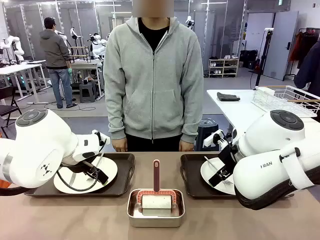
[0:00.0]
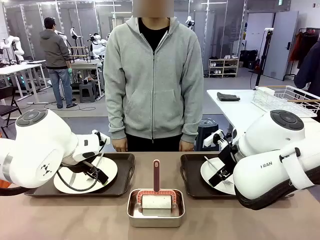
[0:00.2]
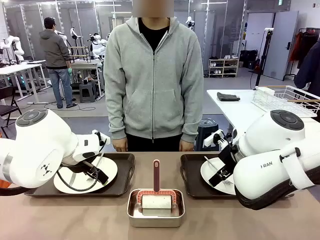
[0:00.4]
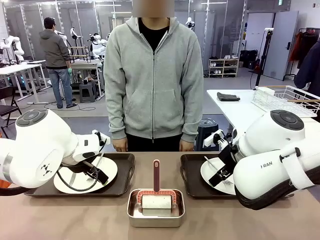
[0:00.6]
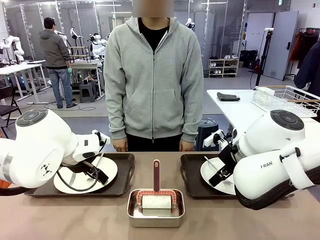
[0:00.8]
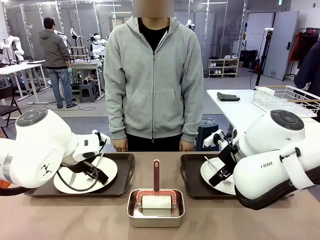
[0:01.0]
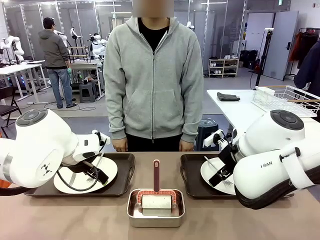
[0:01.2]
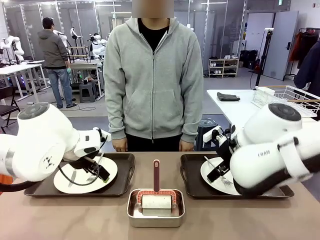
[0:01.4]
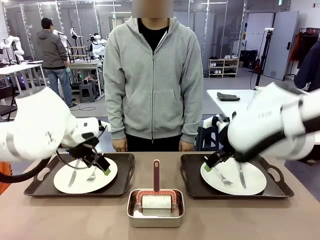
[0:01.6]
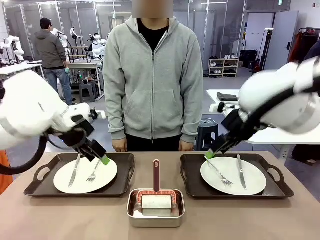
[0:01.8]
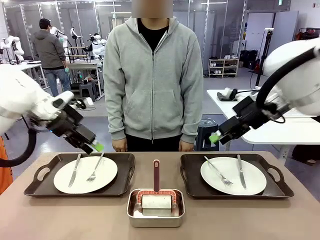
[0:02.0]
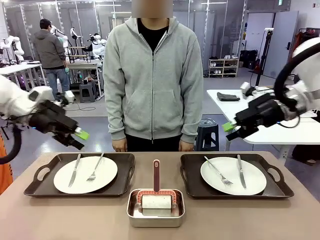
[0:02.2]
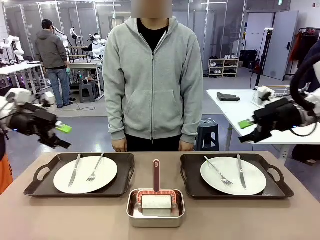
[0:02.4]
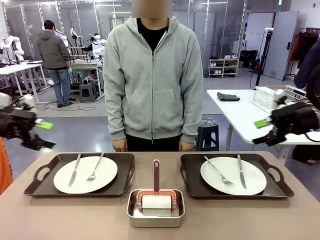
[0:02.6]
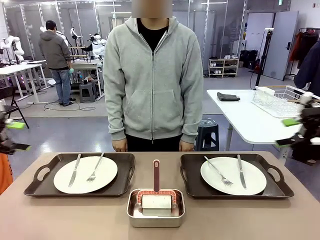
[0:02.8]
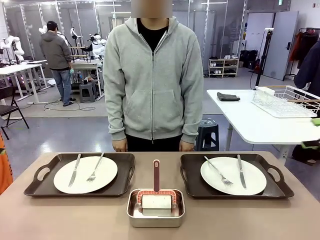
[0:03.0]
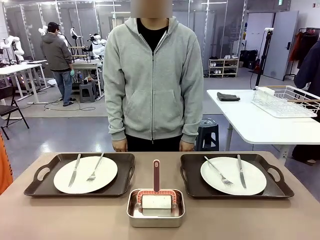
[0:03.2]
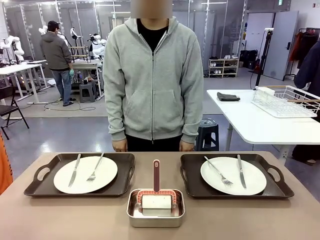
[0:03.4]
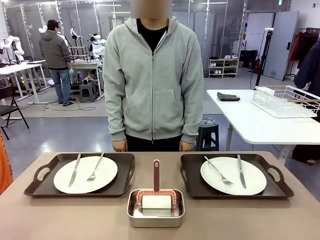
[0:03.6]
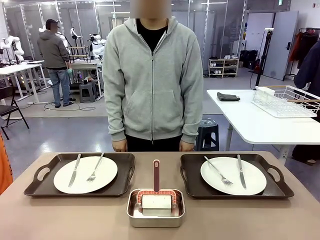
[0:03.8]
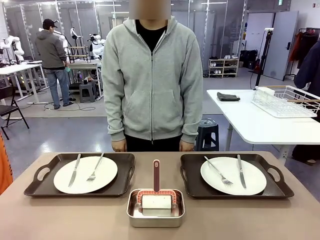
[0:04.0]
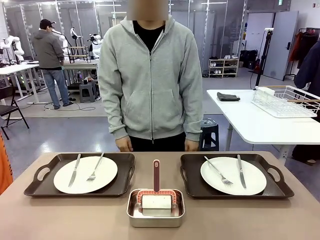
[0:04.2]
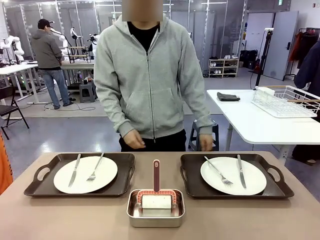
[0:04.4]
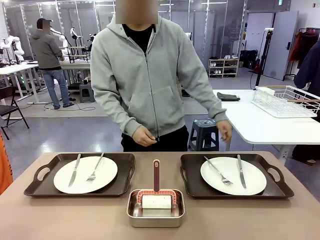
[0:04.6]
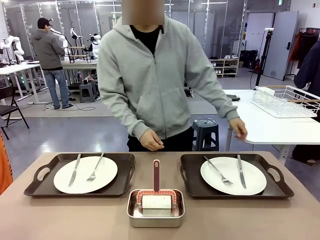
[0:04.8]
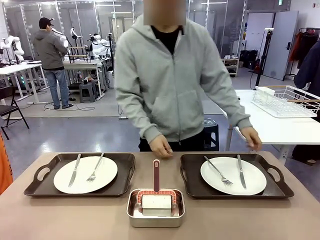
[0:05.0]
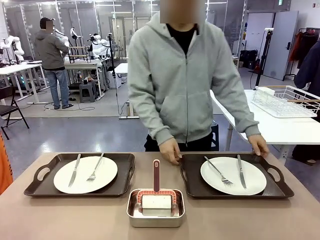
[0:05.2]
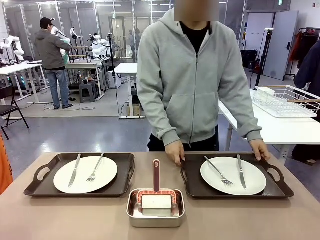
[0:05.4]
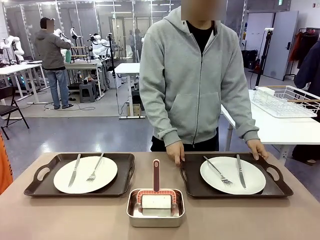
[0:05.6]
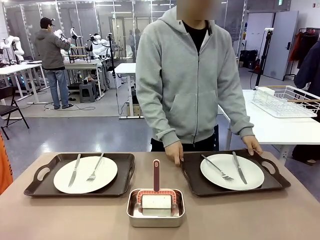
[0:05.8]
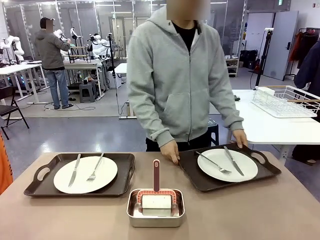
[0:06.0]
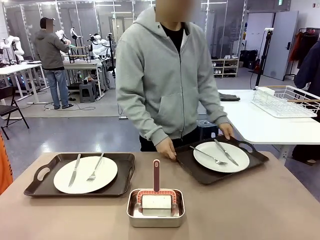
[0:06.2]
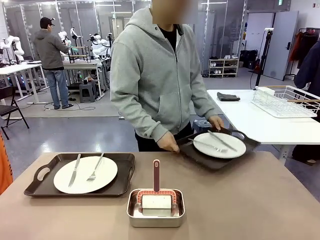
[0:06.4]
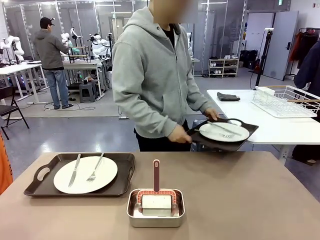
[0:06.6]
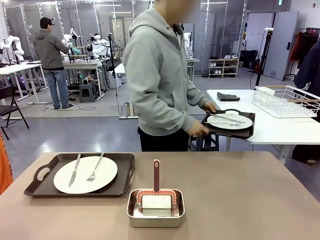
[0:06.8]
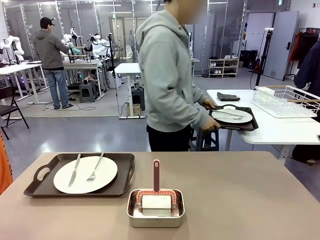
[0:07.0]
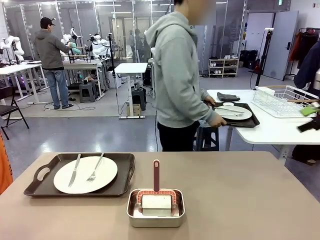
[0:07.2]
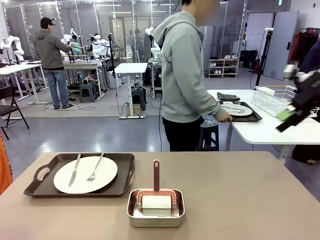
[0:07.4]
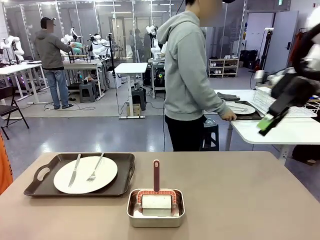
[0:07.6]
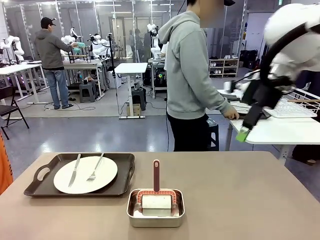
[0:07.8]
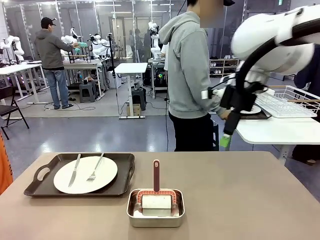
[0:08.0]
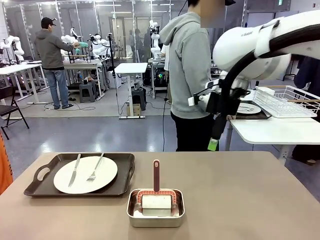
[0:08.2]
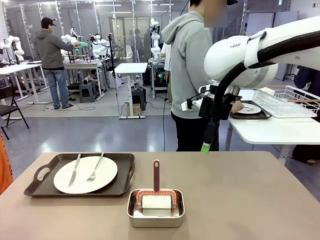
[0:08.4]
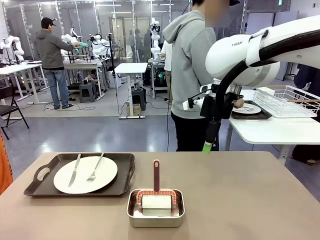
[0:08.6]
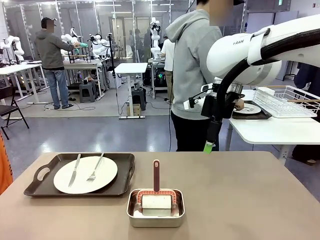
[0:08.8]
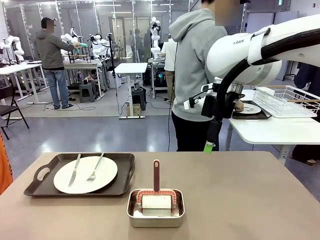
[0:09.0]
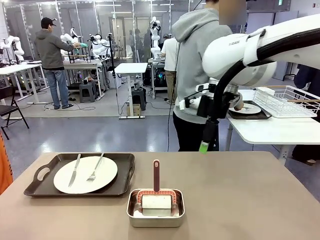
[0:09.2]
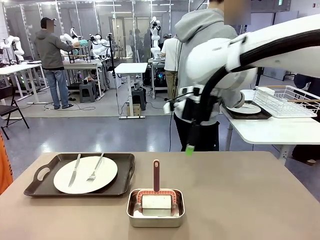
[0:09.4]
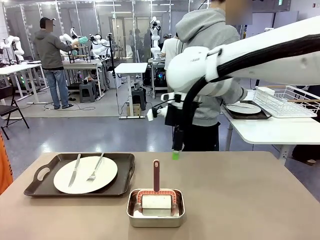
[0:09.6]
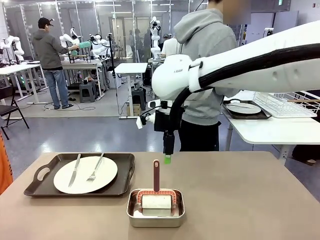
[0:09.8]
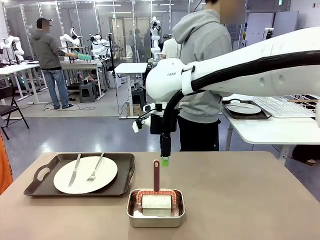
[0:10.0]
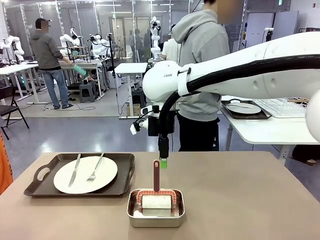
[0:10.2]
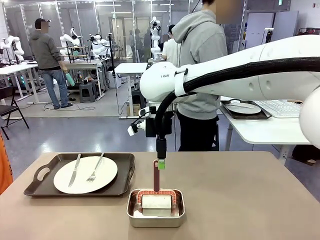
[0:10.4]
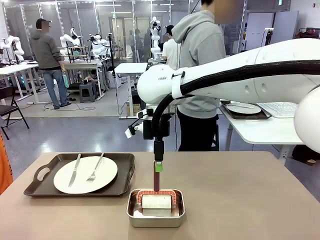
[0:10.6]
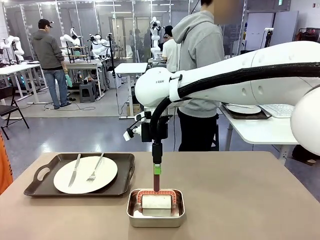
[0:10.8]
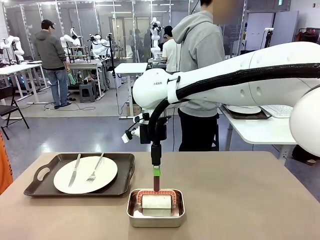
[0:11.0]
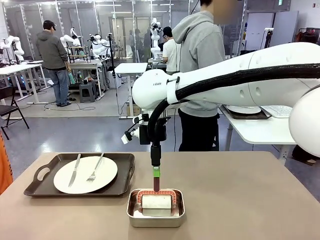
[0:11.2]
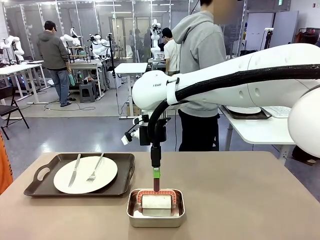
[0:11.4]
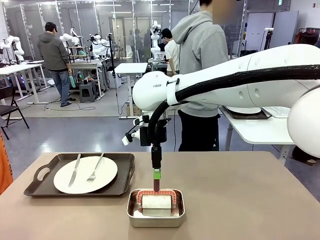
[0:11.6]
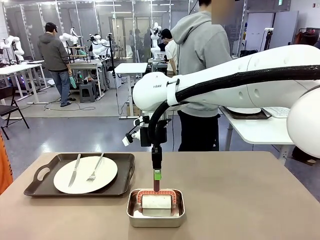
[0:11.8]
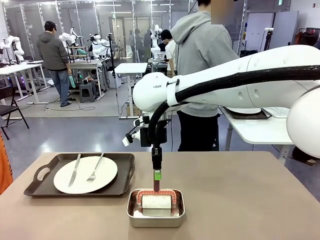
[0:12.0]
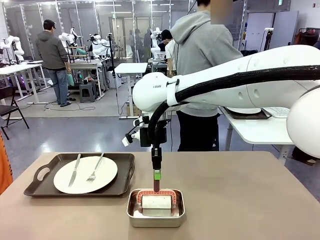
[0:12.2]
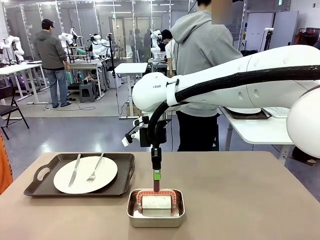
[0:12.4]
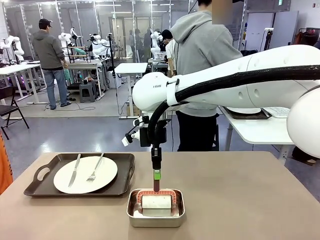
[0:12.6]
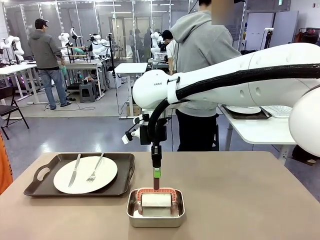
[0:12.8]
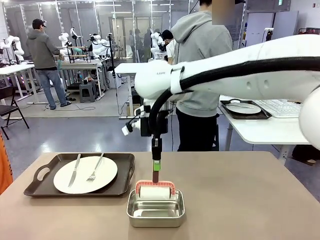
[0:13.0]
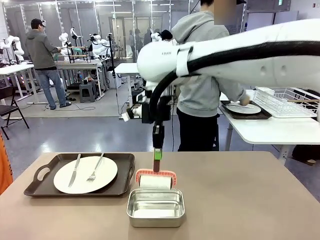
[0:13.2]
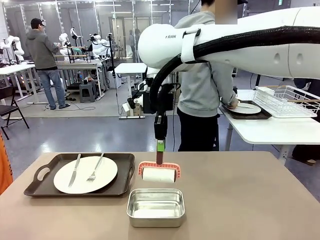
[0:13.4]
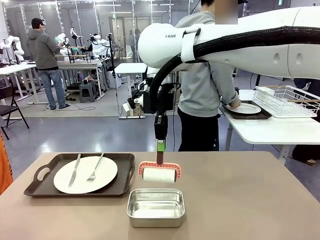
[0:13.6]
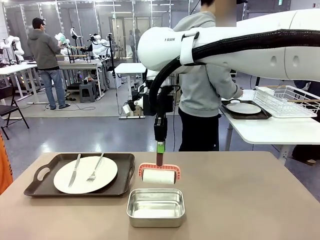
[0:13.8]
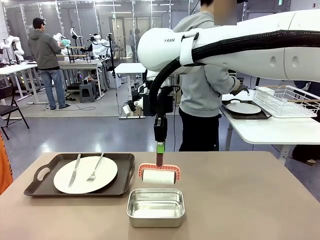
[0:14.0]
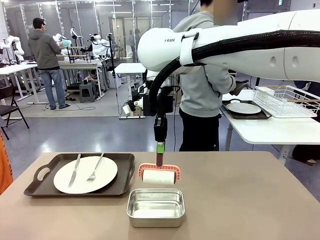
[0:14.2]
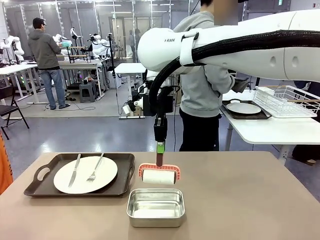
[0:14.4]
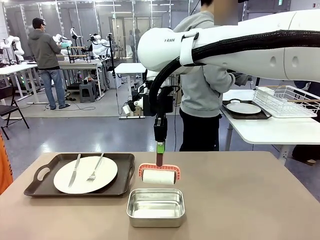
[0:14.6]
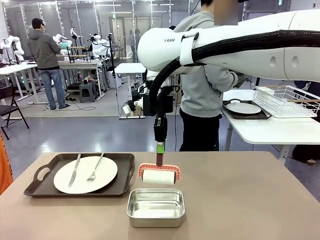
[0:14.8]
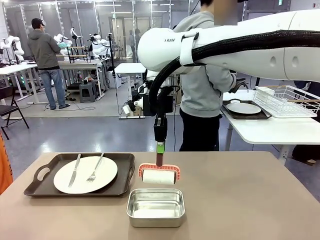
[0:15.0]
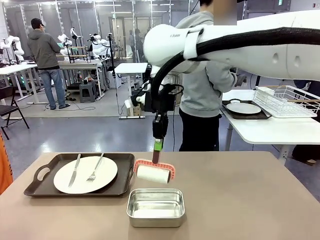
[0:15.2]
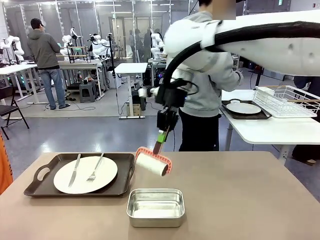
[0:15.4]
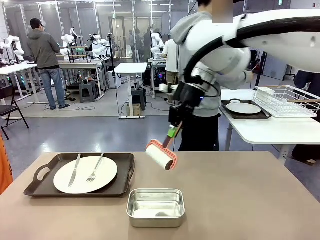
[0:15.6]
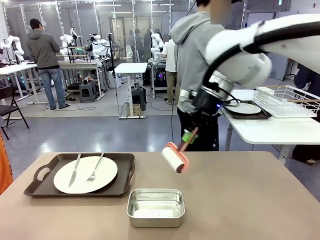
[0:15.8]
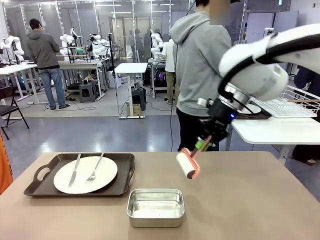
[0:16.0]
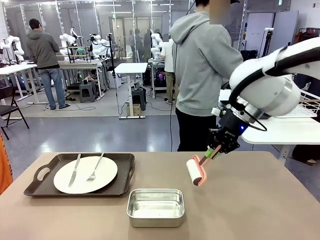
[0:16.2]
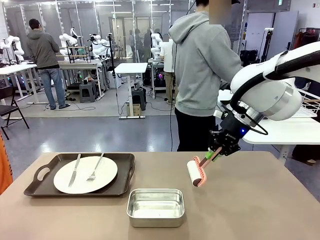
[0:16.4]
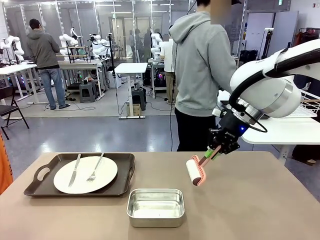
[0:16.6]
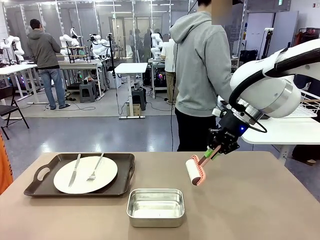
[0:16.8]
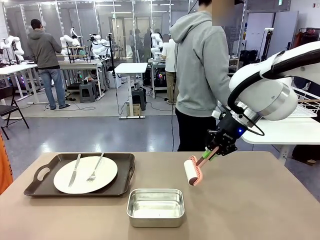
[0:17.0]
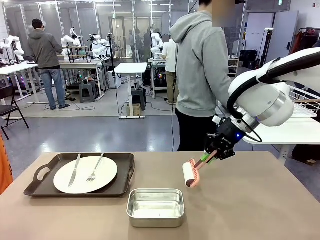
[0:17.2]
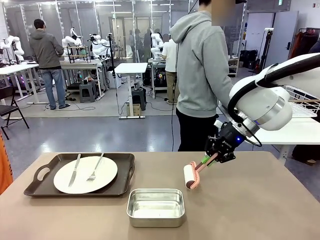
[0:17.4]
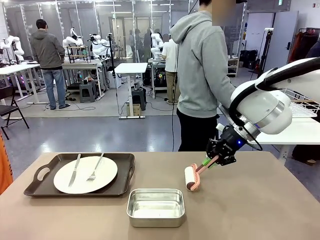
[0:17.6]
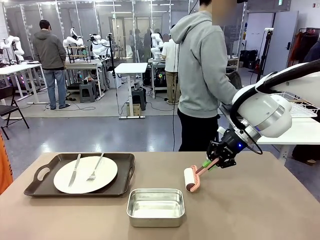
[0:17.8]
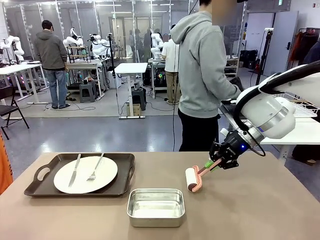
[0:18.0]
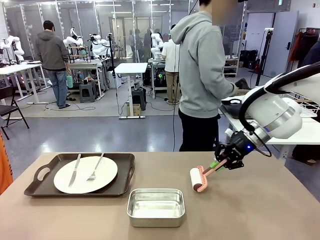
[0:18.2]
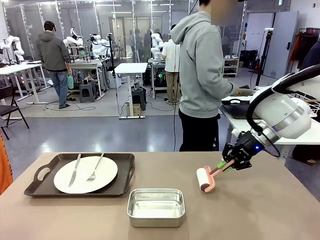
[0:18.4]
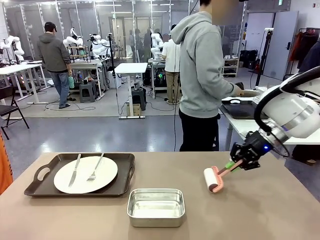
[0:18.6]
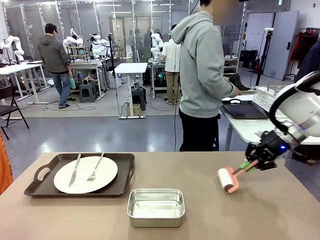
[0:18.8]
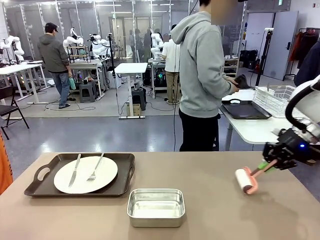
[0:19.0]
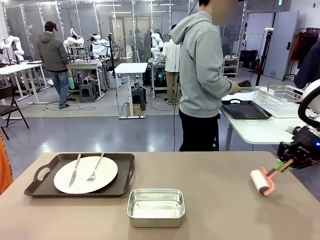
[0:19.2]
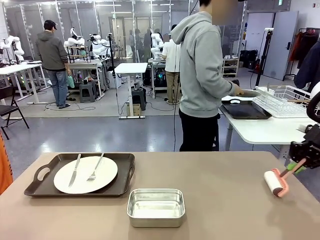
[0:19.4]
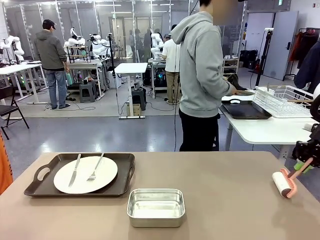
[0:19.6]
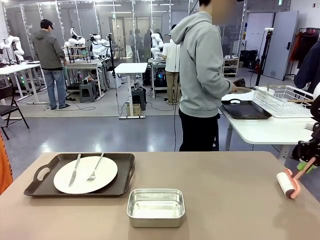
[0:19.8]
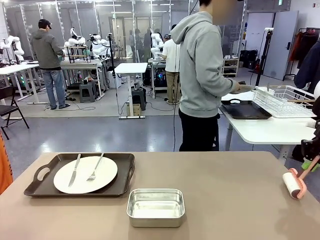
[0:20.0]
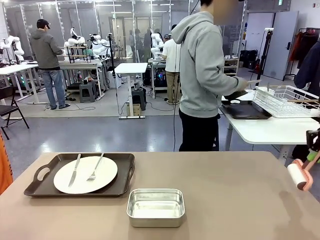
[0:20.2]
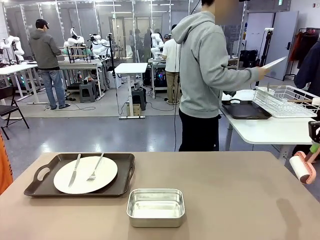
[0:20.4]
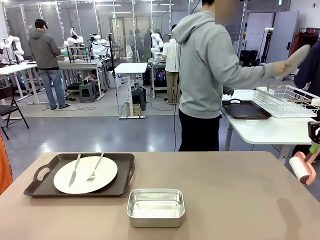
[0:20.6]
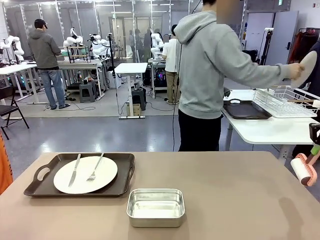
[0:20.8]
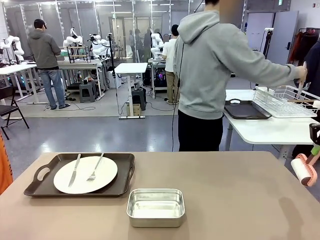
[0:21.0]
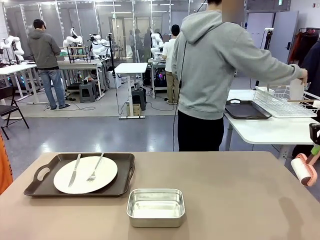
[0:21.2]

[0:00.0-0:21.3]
Robot: When the left (or right) Handle tray is removed, use the left hand (or right hand) to clean the left (or right) side of the table with the Lint Roller.
Person: Pick up the left (or right) Handle tray and place it on the middle of the Human's table. Use the Towel with hook to wipe the Plastic Matte Plate , Fork , and Knife and place into the Dish drying rack.
